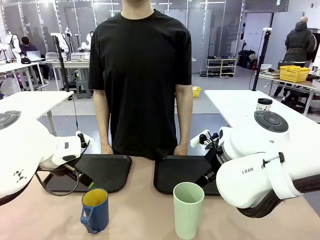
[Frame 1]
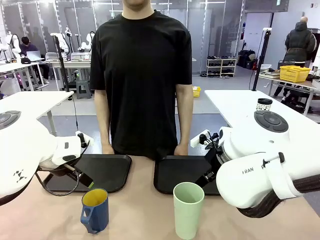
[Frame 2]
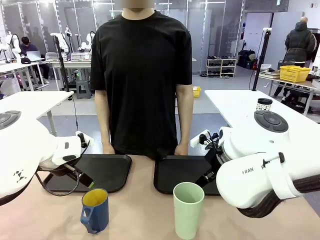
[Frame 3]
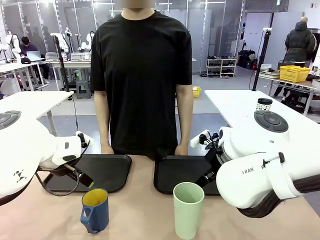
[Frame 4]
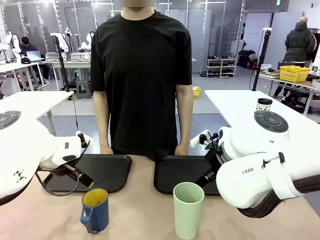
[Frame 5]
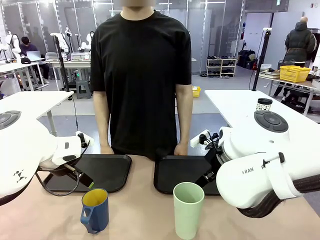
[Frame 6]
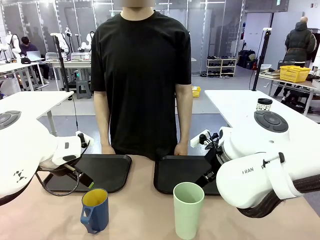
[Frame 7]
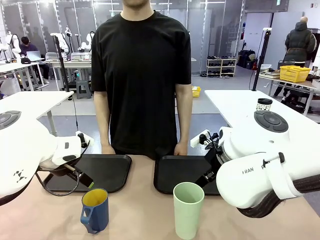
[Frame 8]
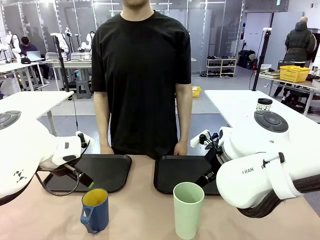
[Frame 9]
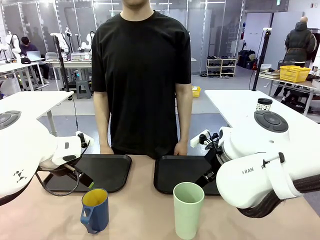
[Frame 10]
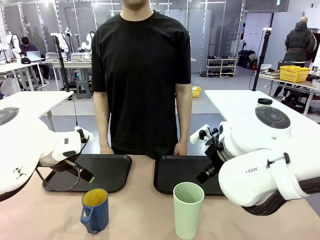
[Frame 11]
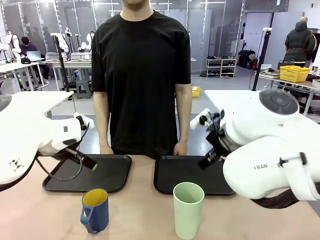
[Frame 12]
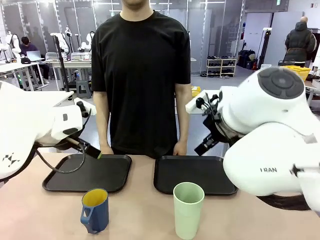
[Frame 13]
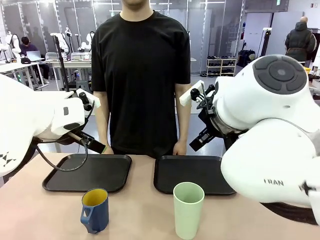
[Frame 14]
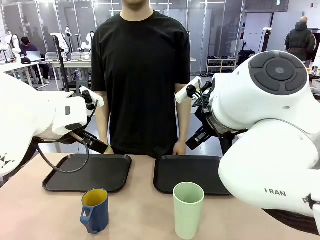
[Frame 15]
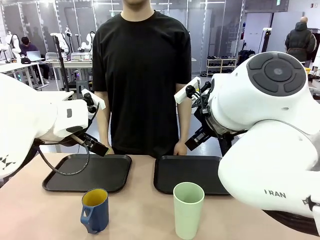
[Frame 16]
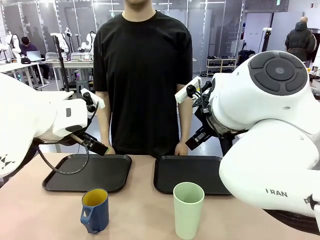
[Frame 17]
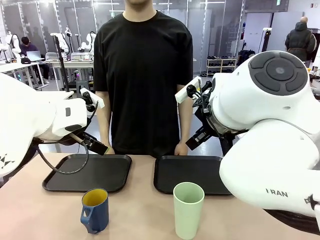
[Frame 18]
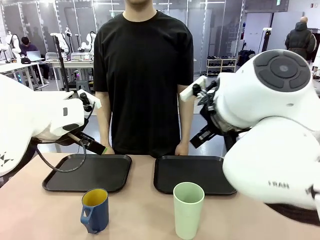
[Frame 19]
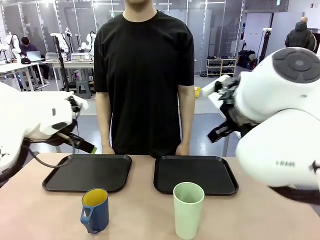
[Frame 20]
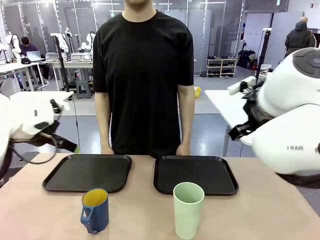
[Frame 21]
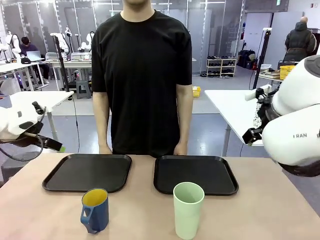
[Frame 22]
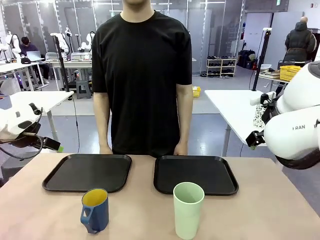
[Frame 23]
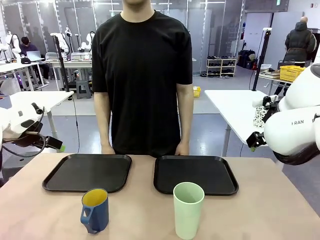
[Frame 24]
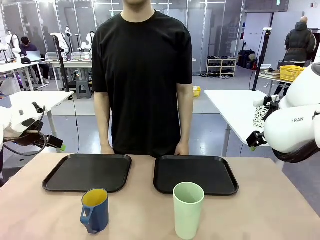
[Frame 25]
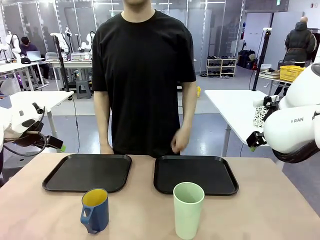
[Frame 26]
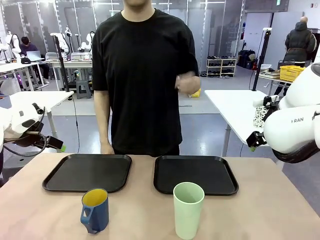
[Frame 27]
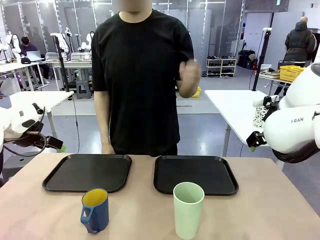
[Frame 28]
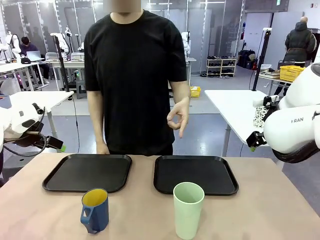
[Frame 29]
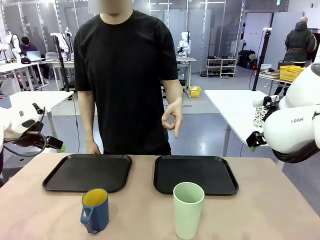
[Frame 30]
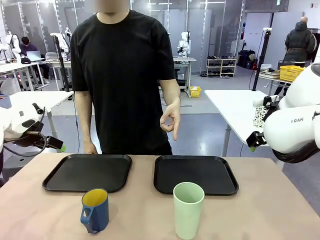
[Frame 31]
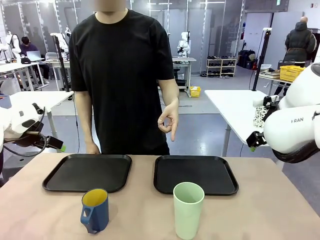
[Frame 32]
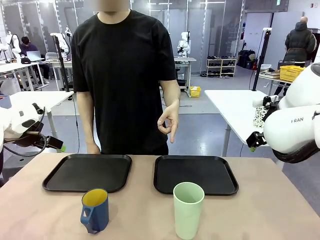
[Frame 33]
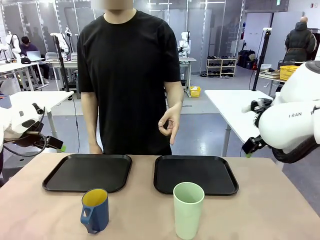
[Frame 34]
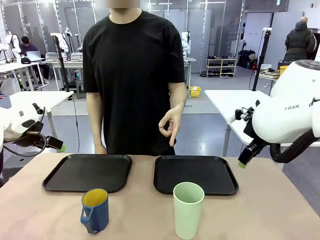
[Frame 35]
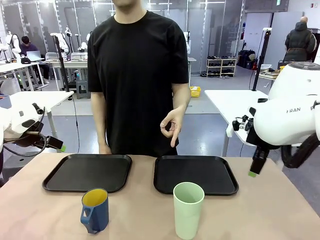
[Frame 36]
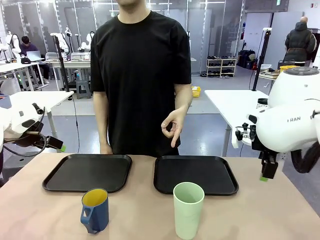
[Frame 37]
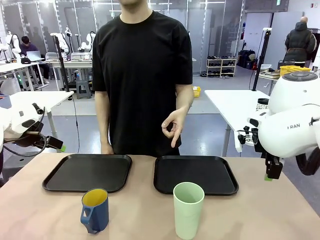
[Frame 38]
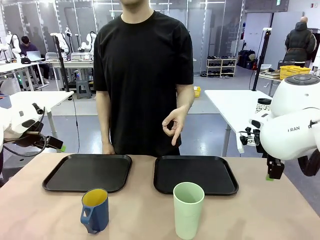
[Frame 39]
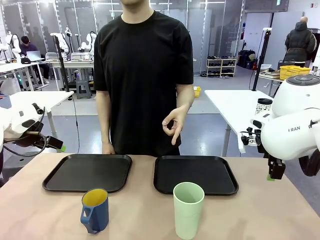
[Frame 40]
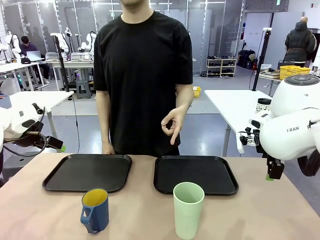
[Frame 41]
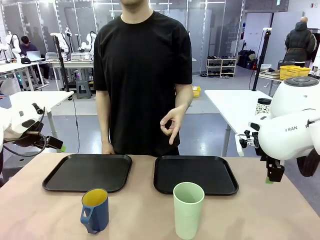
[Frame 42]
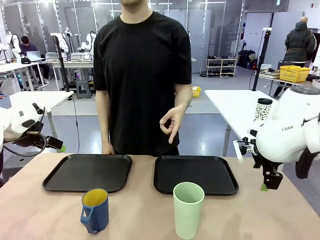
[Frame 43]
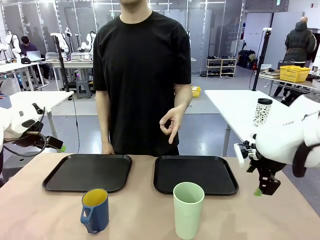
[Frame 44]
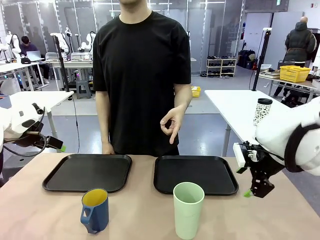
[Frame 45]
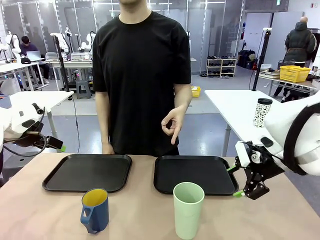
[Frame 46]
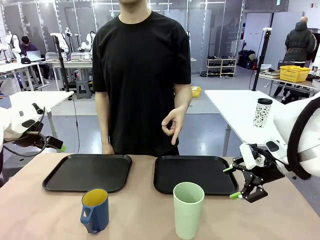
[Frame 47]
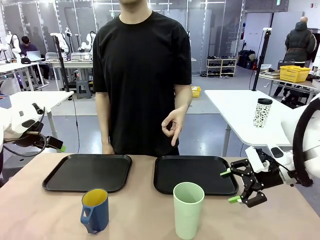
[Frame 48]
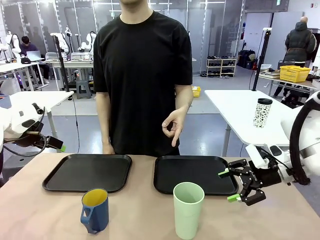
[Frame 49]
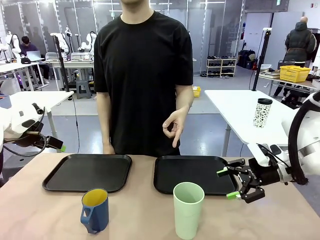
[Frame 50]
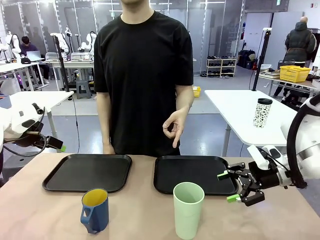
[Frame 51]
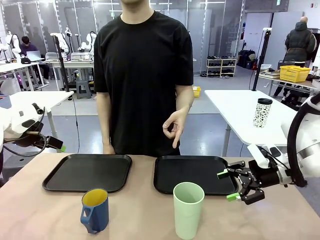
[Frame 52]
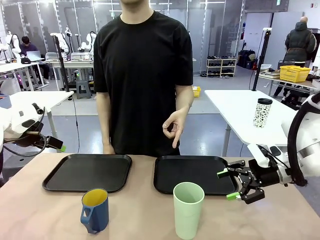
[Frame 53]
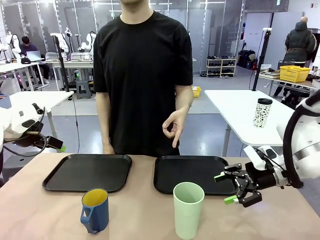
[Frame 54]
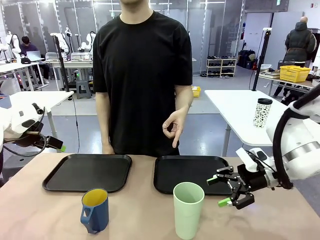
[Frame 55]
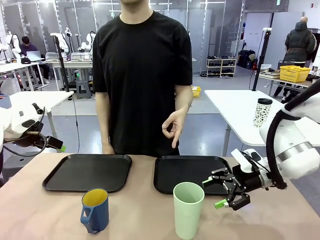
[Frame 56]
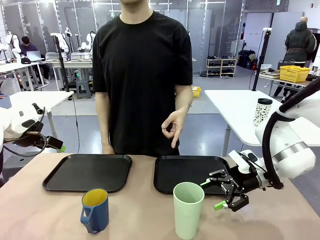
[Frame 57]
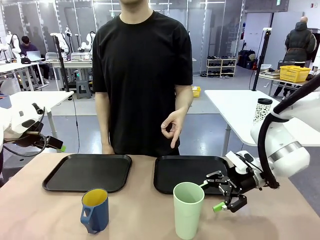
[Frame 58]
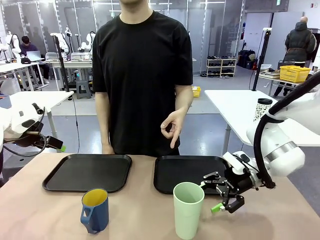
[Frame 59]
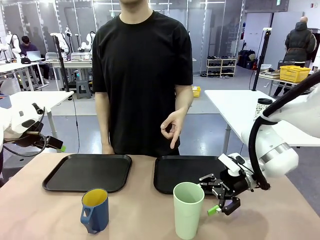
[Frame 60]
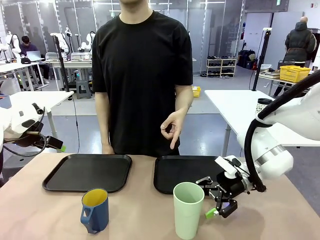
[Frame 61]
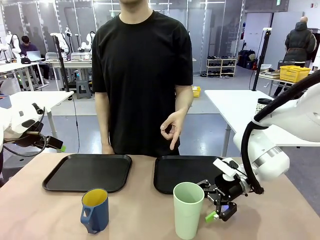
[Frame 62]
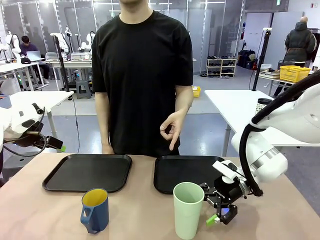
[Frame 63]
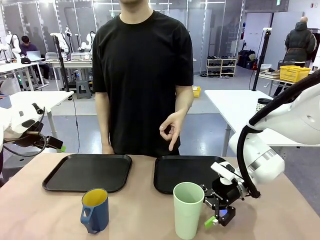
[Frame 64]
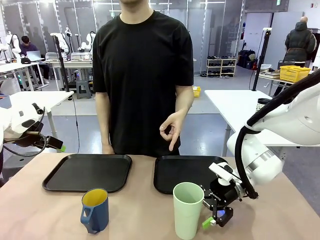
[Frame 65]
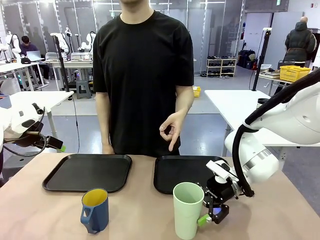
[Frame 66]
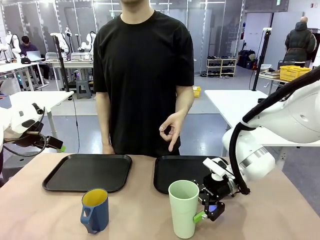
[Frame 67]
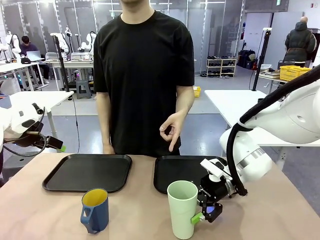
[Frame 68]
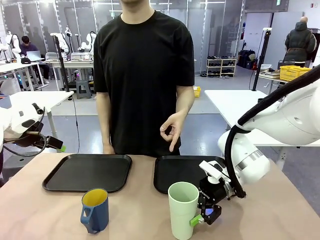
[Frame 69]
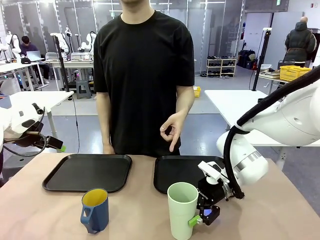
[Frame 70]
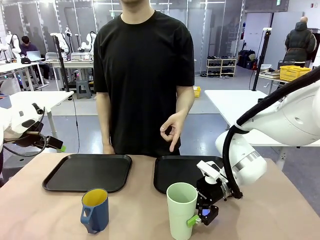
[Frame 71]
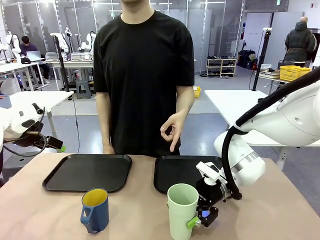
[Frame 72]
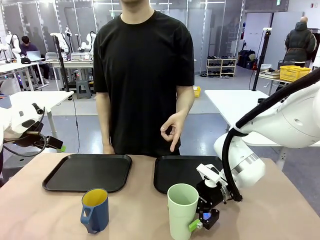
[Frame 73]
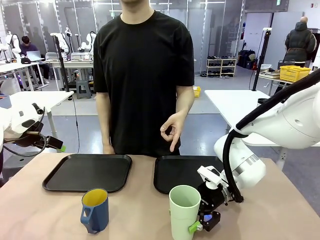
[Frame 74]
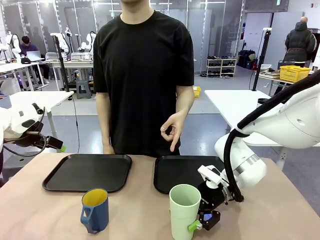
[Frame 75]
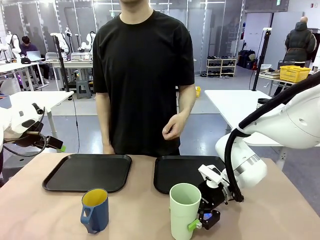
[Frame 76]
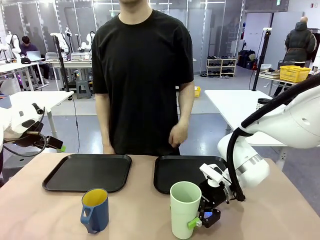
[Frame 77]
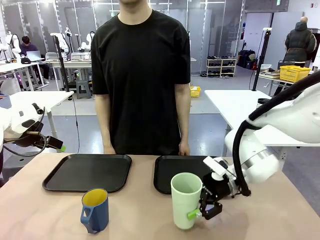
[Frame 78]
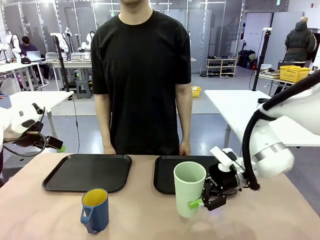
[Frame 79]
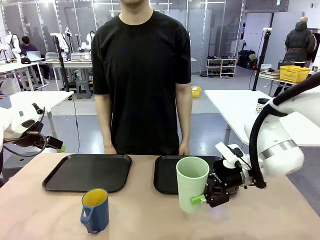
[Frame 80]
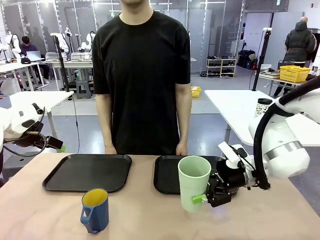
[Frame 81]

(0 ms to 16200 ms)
Task: Sort and store the cups by type.
Robot: Pick up the Reusable plastic cup.
Person: Points to the reusable cup. Point to one of the two trays.

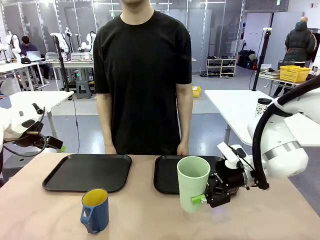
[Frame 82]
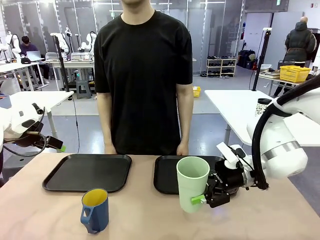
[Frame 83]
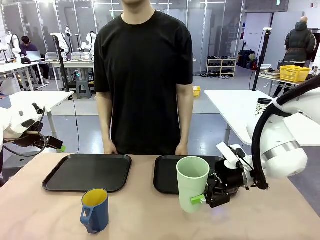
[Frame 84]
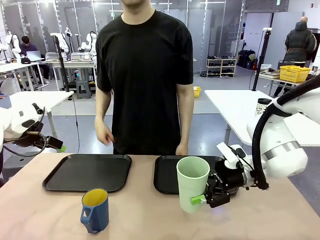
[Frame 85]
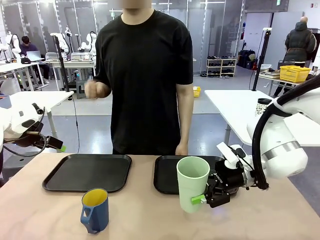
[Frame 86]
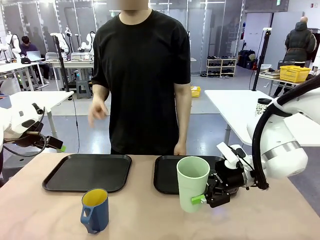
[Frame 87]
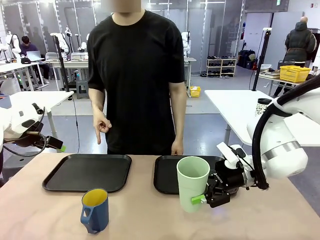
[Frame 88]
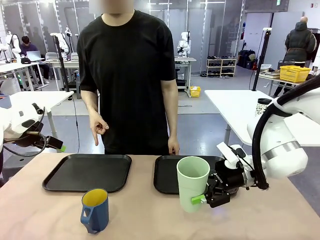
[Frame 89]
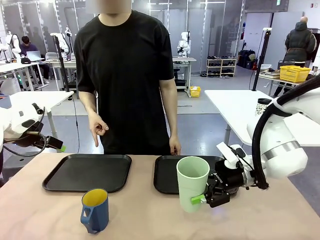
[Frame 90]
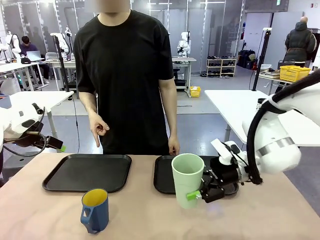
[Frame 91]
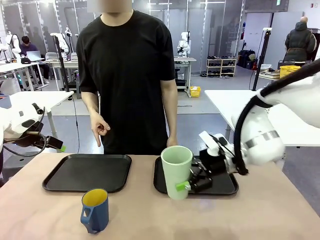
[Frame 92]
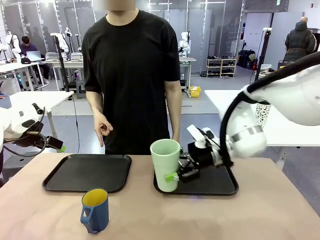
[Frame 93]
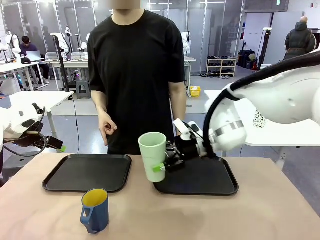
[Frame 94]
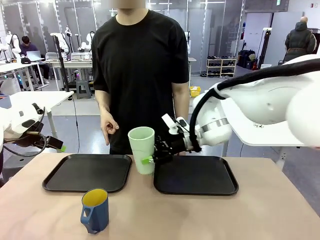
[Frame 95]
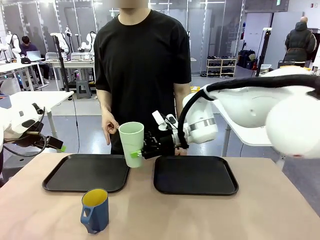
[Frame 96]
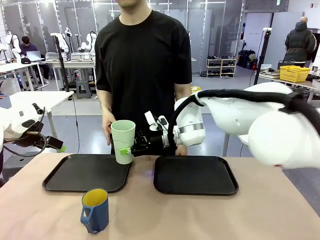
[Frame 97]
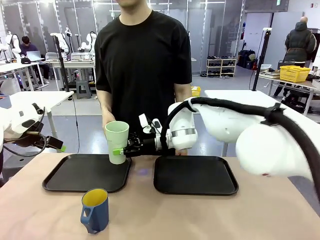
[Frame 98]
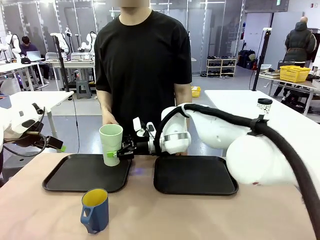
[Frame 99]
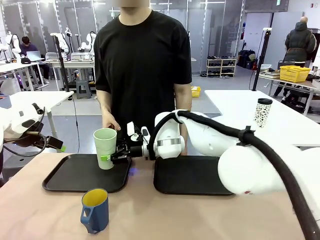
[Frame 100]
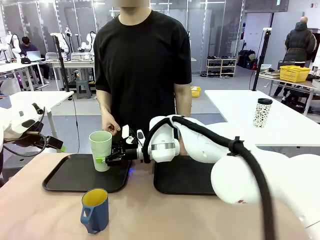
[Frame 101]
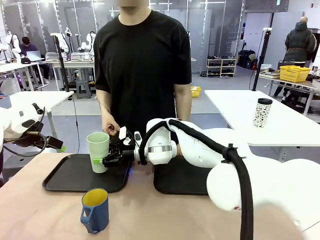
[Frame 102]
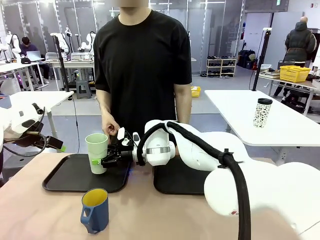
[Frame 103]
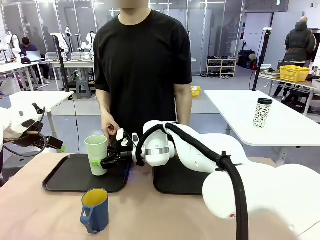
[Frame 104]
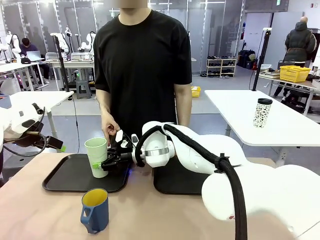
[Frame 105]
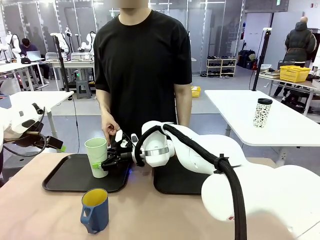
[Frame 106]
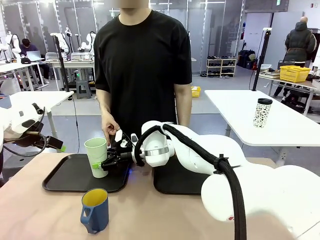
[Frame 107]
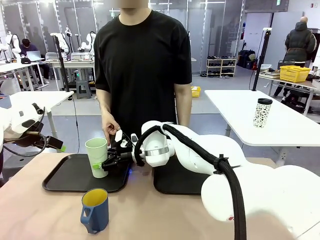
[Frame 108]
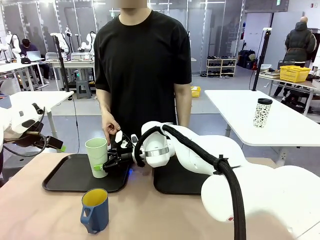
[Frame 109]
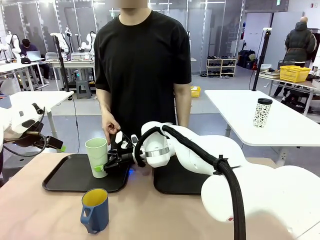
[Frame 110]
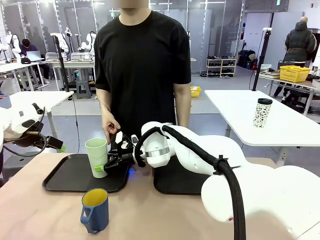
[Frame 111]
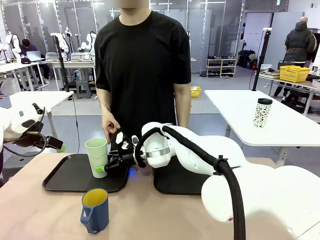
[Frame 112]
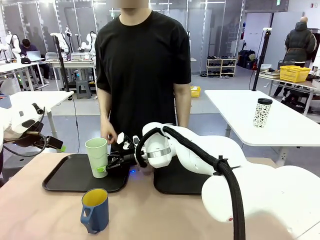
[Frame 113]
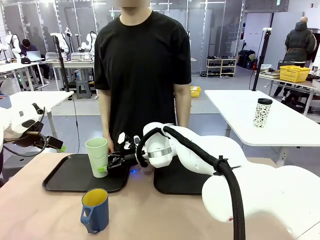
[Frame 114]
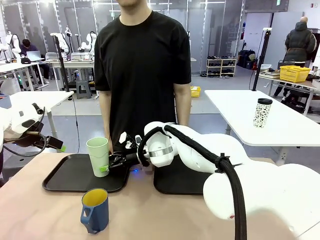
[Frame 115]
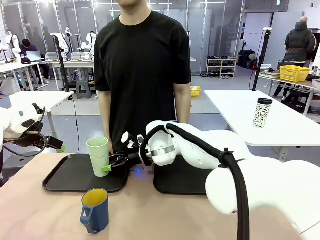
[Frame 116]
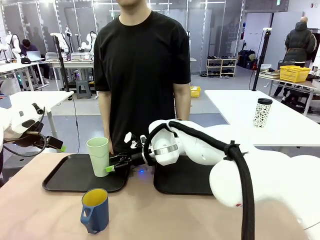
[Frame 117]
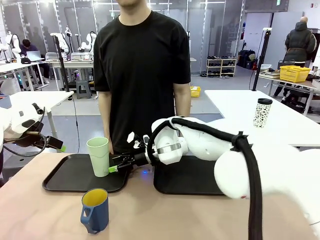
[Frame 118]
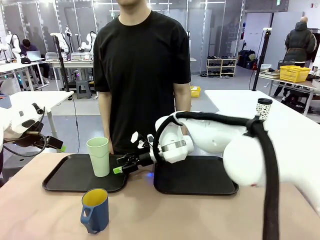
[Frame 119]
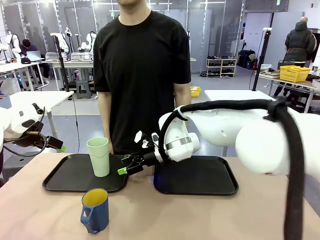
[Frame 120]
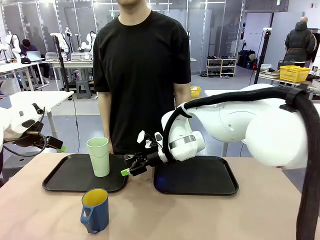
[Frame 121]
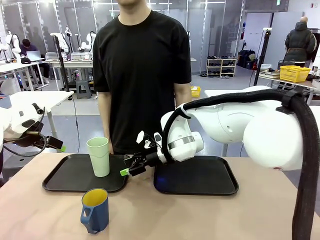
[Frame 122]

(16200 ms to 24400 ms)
Robot: Place the picked Reusable plastic cup into the Flat Tray indicated by the person.
